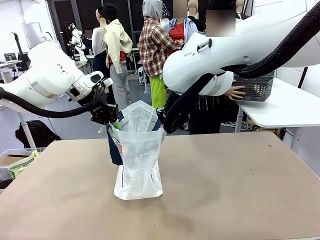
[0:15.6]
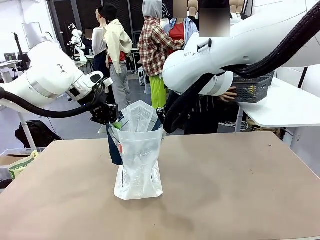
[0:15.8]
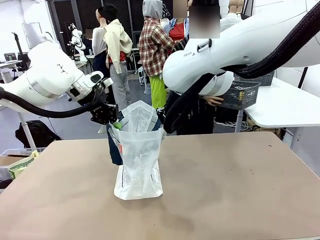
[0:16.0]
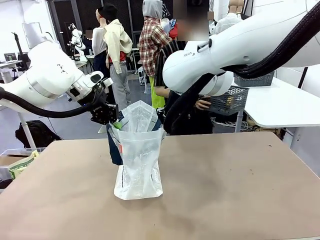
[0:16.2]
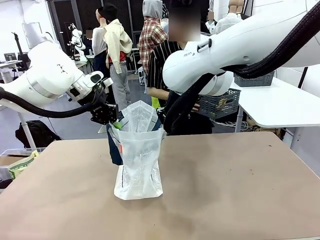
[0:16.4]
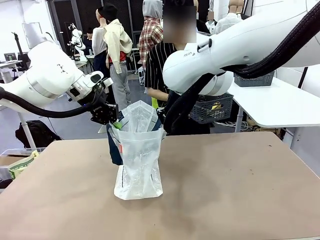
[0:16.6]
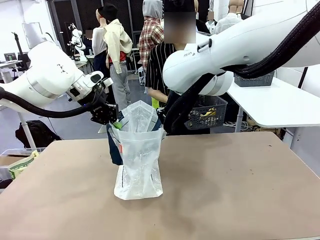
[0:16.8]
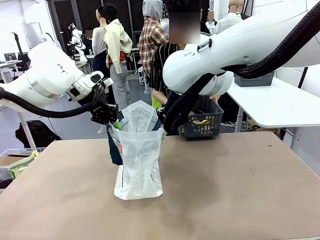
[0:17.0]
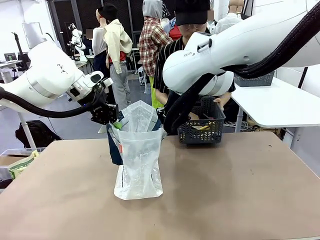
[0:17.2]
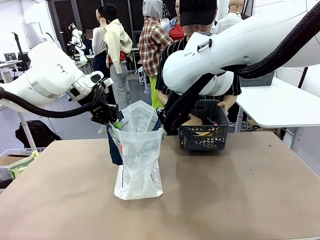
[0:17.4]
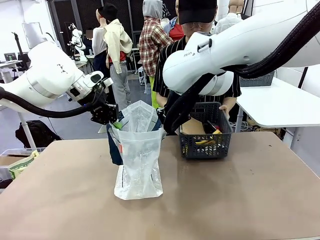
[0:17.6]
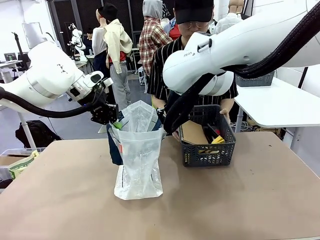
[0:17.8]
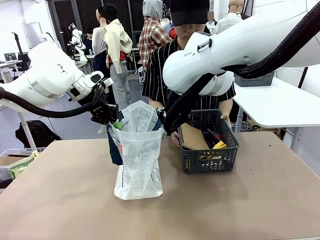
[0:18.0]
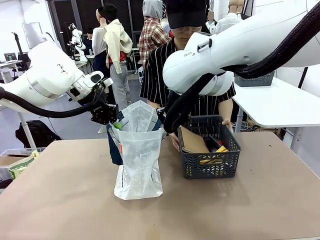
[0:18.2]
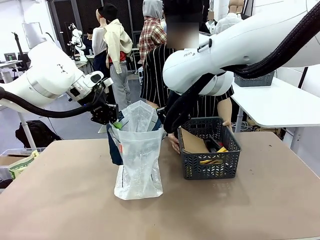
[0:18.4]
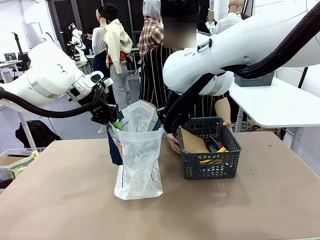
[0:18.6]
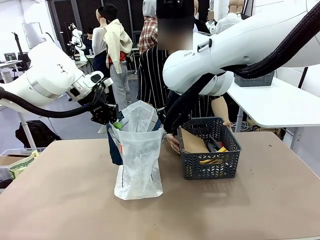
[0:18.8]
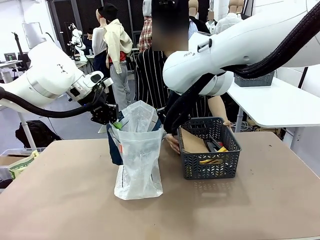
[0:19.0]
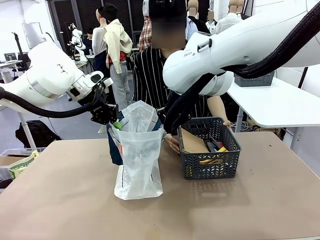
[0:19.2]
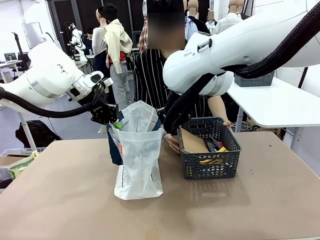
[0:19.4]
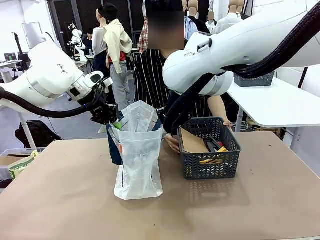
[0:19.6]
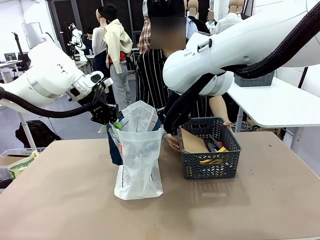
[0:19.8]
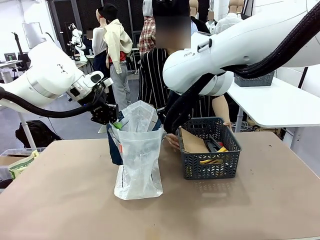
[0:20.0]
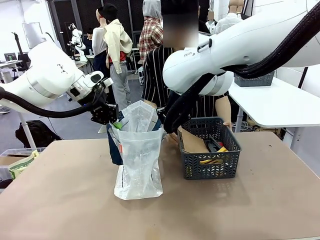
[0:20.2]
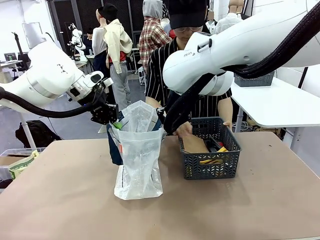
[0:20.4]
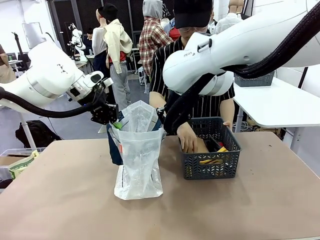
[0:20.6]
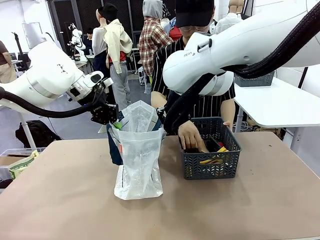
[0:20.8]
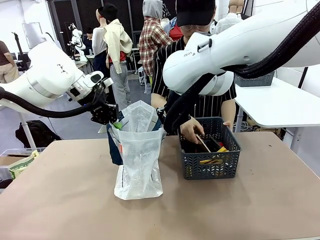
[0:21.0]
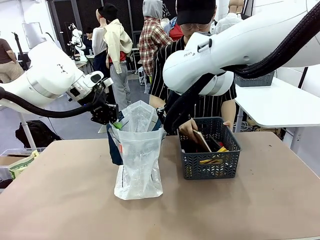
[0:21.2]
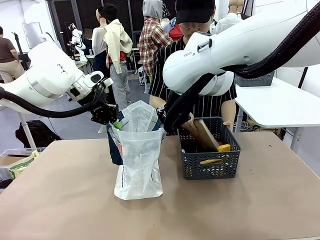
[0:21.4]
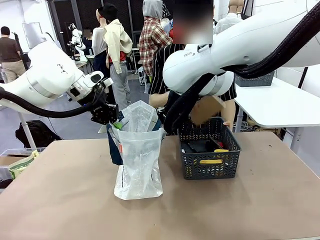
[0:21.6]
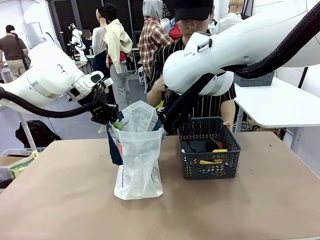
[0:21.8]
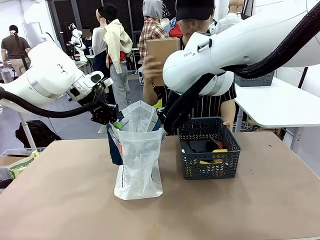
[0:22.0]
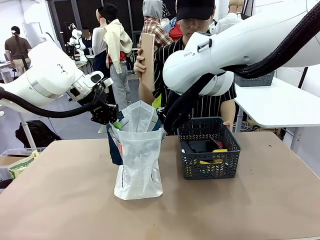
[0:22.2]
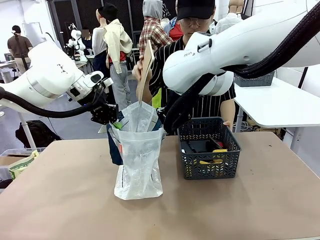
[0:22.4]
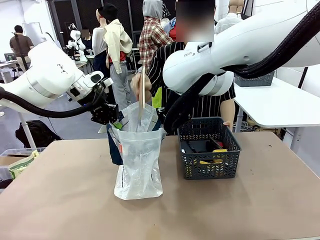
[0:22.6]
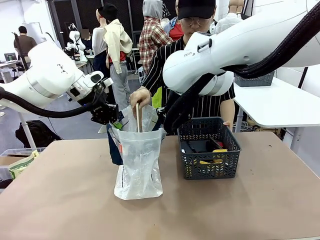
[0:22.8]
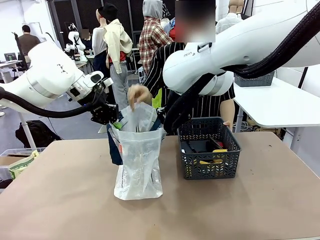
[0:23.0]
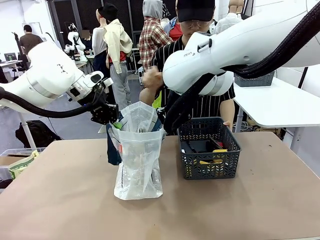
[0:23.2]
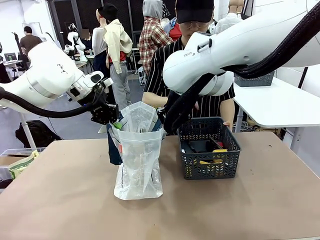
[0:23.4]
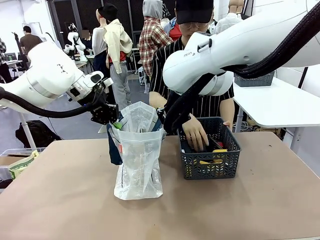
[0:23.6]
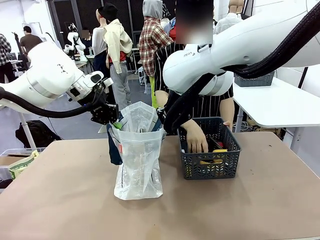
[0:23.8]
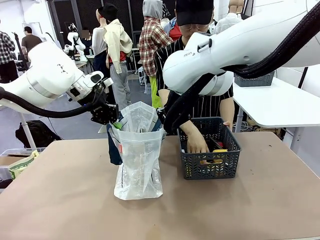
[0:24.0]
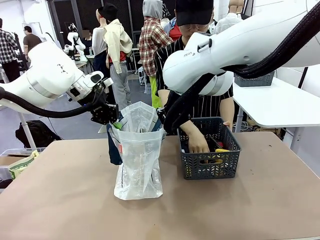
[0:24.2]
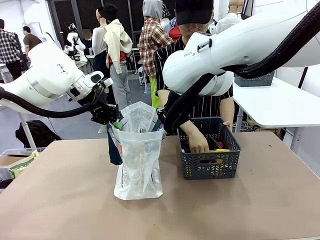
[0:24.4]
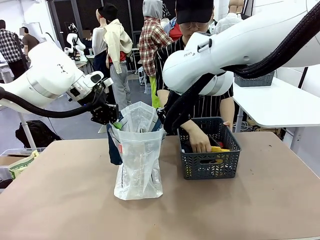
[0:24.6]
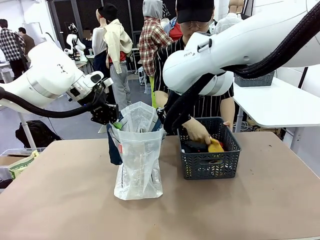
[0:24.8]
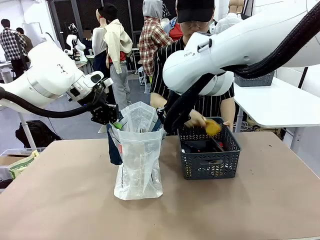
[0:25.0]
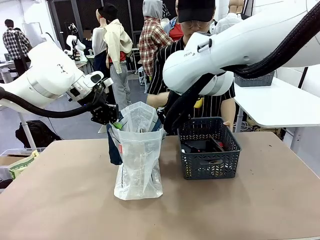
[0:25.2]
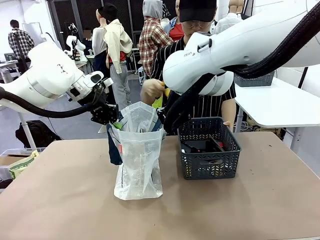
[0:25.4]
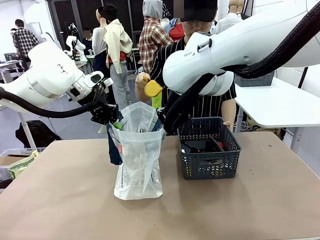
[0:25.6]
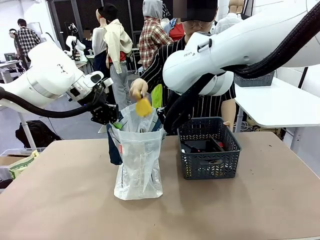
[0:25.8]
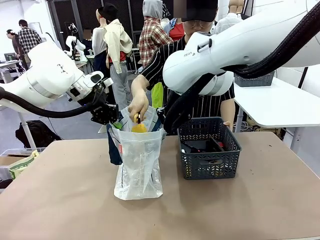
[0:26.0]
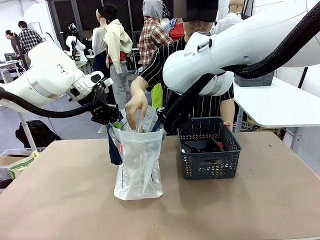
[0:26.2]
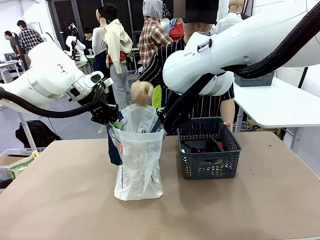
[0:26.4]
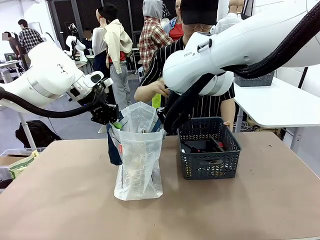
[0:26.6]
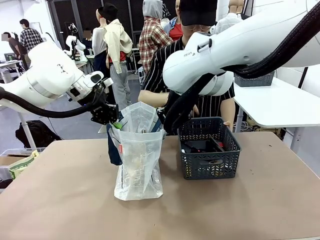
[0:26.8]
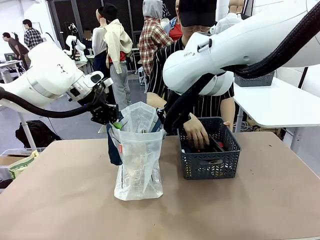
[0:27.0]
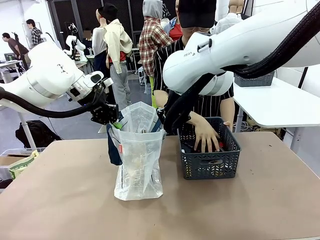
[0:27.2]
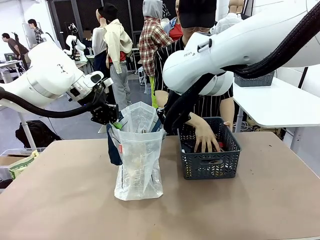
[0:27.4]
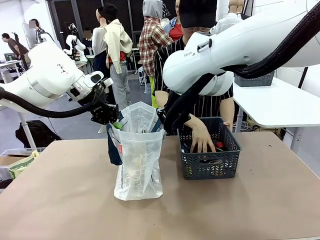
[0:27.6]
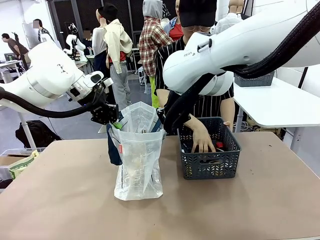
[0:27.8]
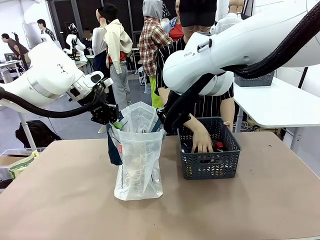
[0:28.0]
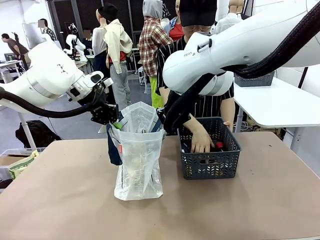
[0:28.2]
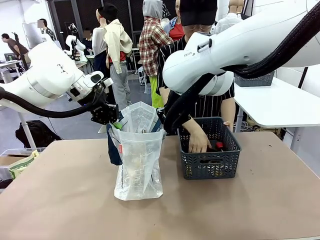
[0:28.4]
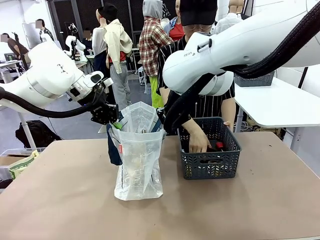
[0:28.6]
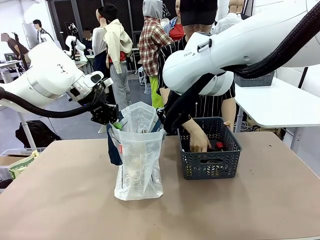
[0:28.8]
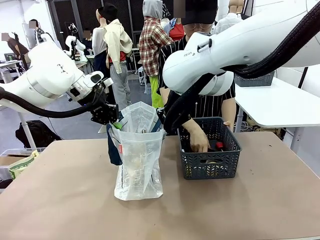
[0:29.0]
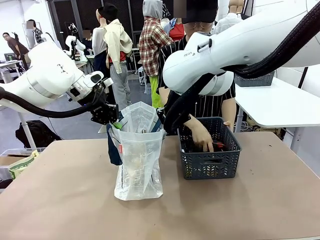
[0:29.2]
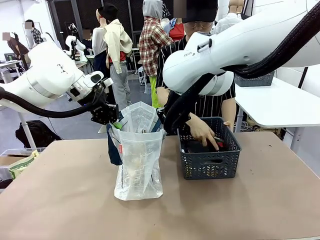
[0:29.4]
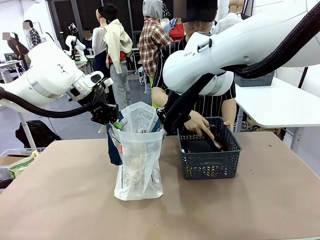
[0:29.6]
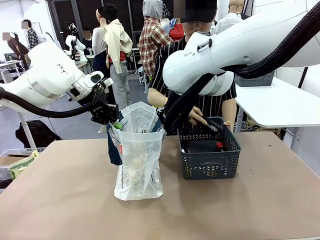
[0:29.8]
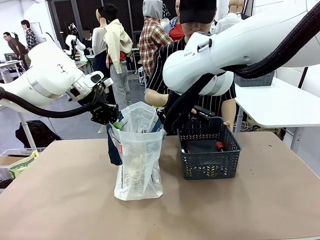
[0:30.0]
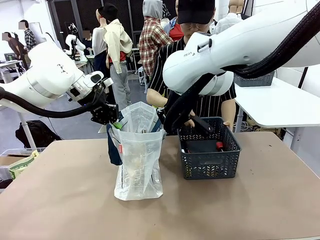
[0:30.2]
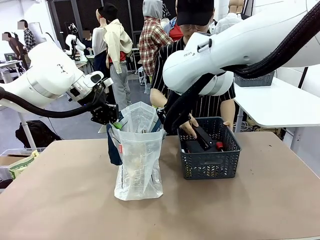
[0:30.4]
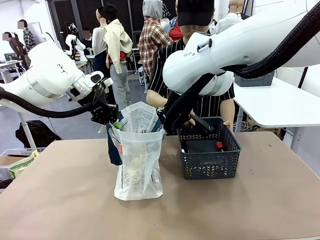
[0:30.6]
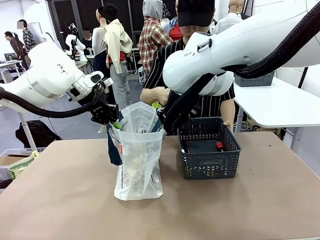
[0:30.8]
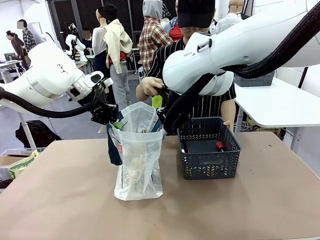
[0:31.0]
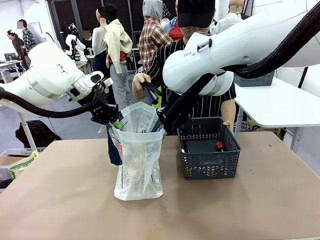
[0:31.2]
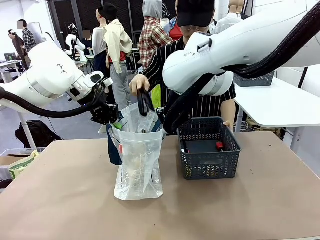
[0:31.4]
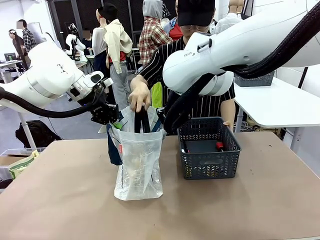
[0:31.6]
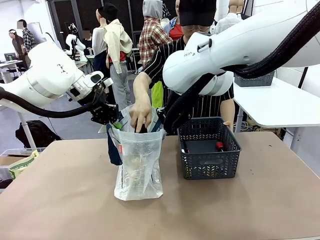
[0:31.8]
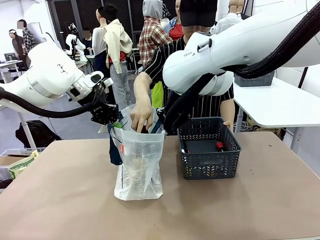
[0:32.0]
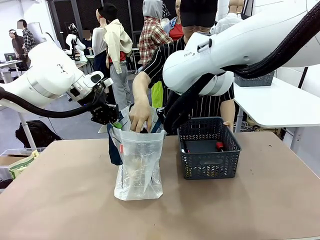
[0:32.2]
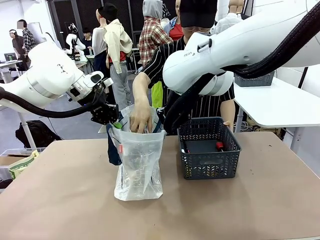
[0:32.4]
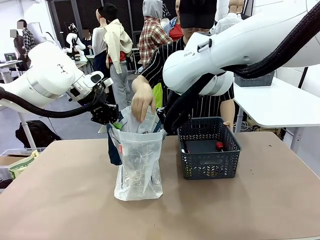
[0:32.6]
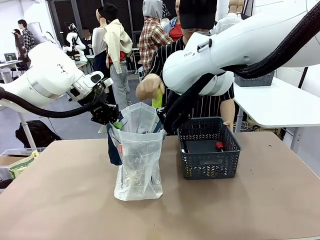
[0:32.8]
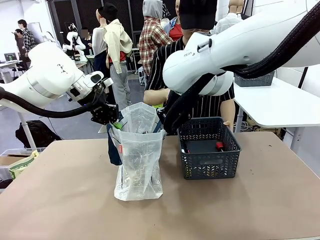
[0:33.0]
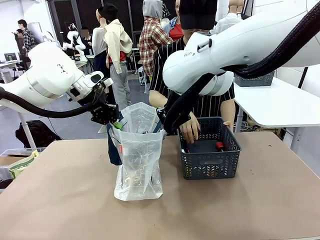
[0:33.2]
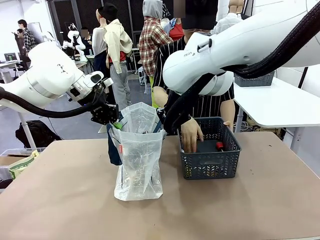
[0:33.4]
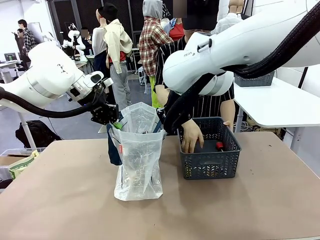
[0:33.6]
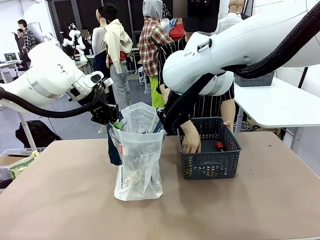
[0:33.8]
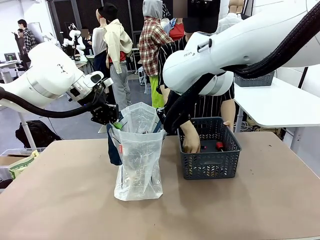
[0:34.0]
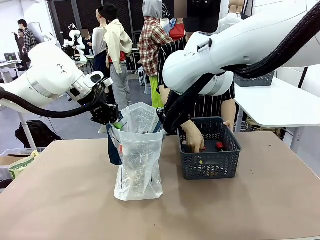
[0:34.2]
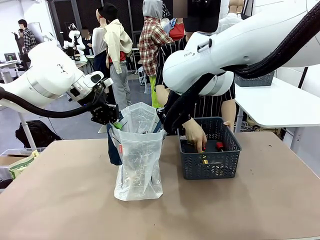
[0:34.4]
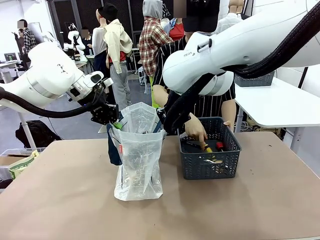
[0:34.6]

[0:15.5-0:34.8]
Task: Transfer purchased items from the store into the shopping bag.
Robot: Move the Reusable shopping bag to the right side of the table.
Person: Pick up the basket with the items out and place it on the right side of the human table.
